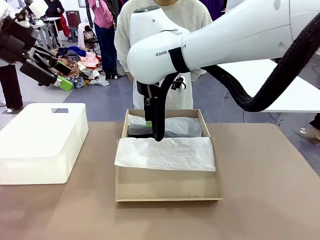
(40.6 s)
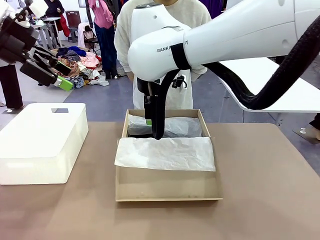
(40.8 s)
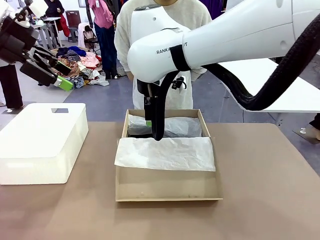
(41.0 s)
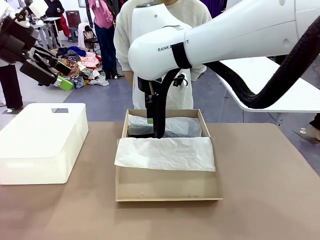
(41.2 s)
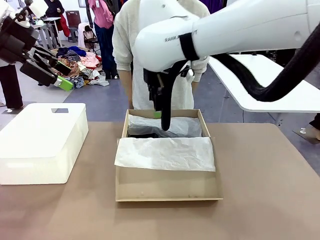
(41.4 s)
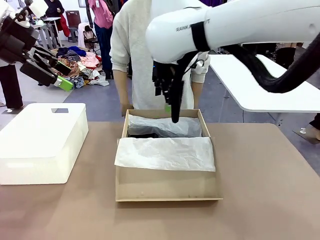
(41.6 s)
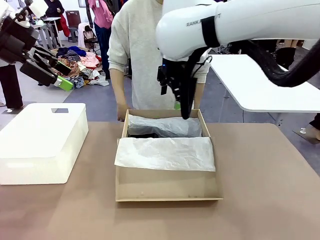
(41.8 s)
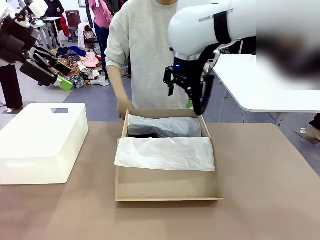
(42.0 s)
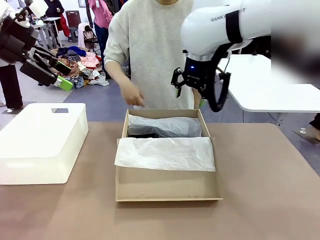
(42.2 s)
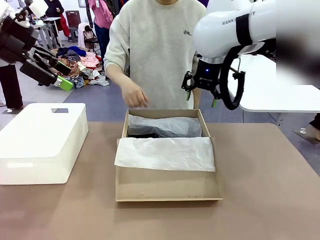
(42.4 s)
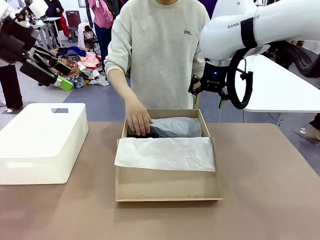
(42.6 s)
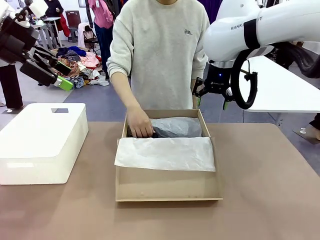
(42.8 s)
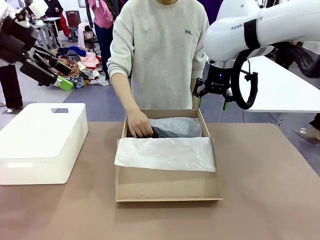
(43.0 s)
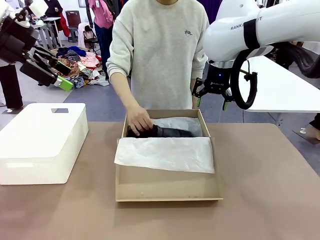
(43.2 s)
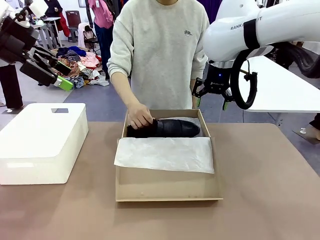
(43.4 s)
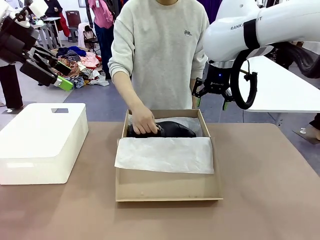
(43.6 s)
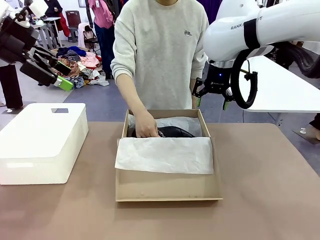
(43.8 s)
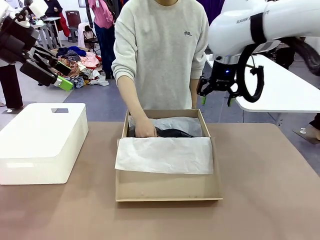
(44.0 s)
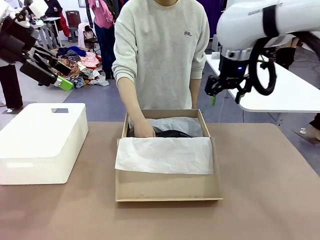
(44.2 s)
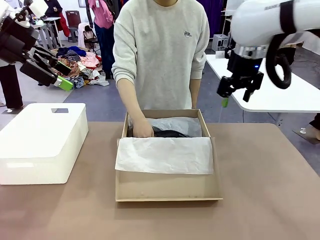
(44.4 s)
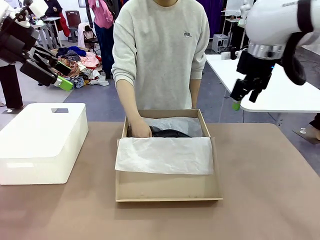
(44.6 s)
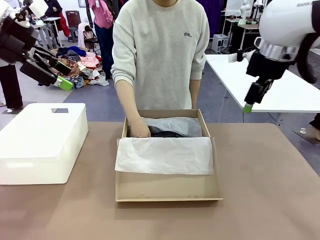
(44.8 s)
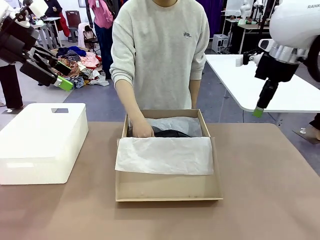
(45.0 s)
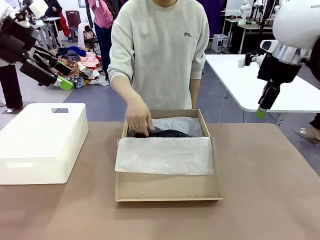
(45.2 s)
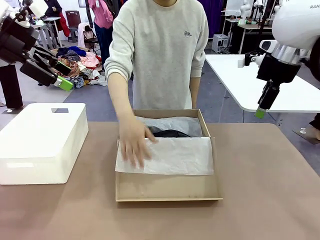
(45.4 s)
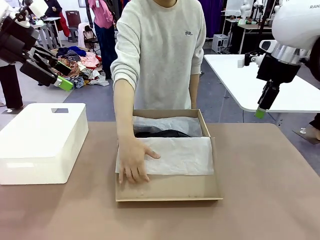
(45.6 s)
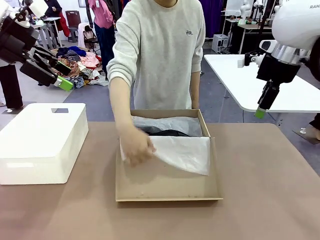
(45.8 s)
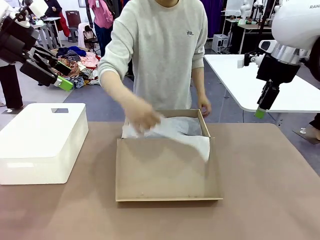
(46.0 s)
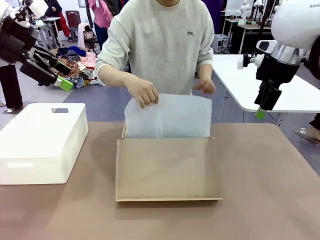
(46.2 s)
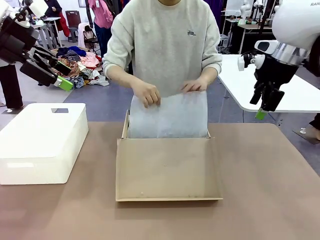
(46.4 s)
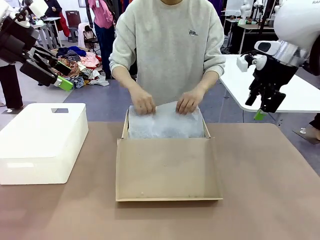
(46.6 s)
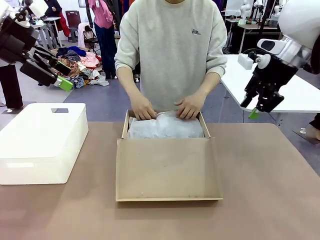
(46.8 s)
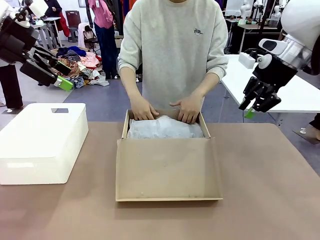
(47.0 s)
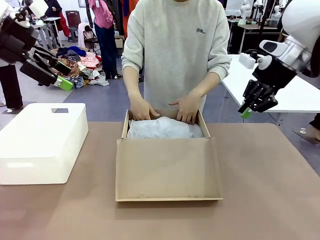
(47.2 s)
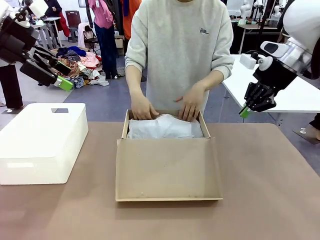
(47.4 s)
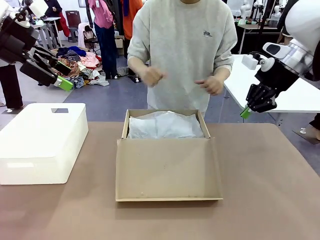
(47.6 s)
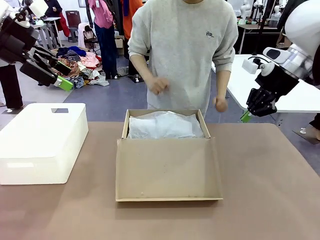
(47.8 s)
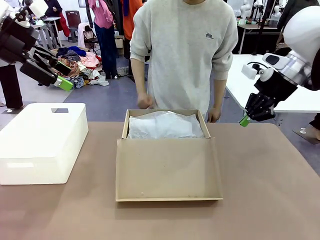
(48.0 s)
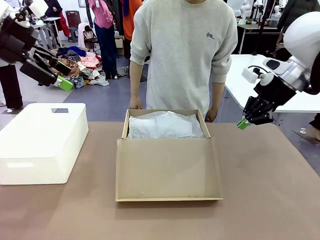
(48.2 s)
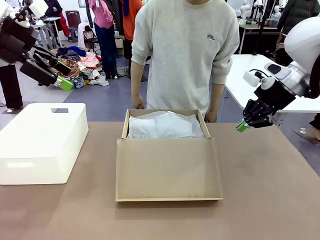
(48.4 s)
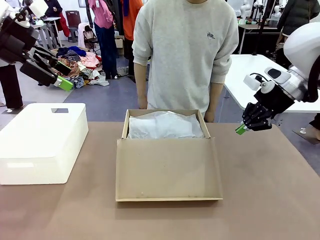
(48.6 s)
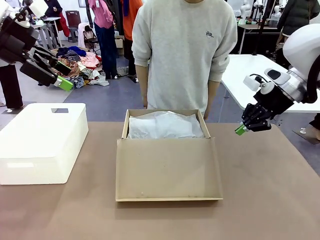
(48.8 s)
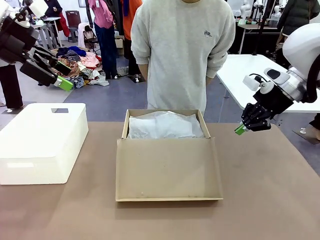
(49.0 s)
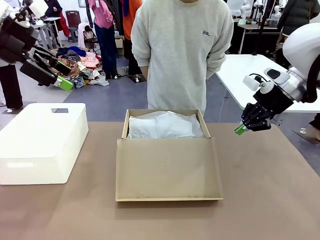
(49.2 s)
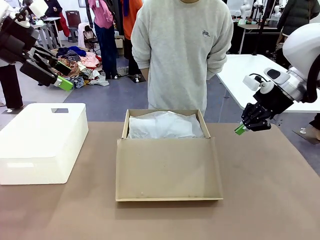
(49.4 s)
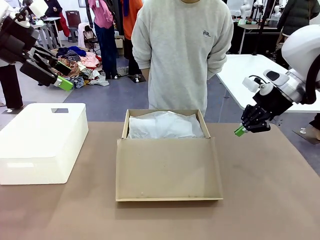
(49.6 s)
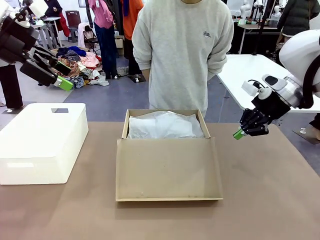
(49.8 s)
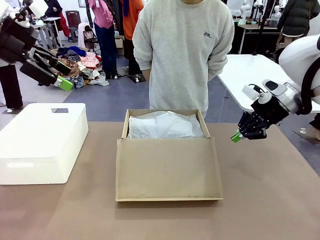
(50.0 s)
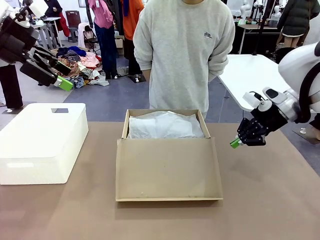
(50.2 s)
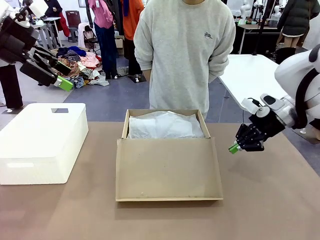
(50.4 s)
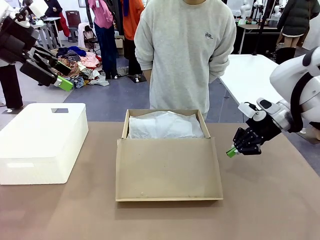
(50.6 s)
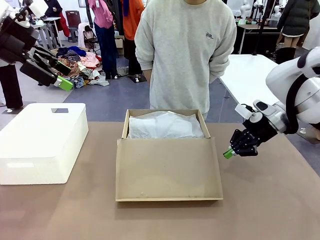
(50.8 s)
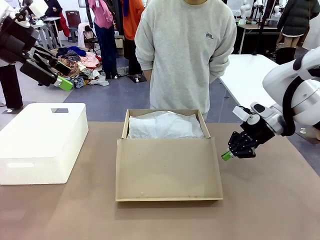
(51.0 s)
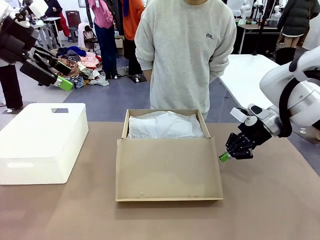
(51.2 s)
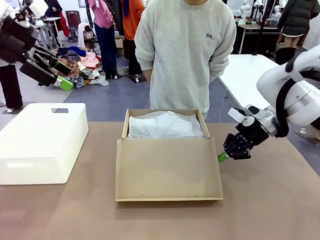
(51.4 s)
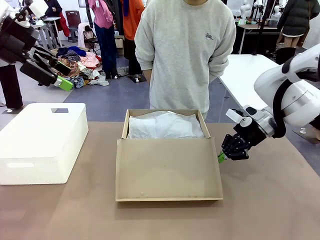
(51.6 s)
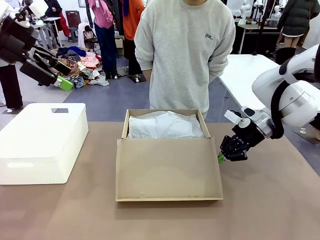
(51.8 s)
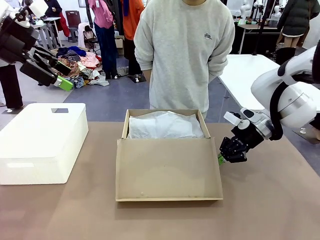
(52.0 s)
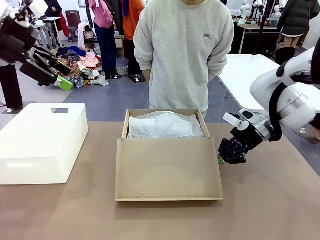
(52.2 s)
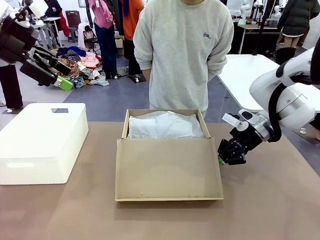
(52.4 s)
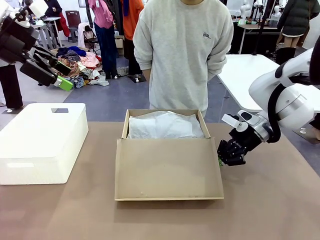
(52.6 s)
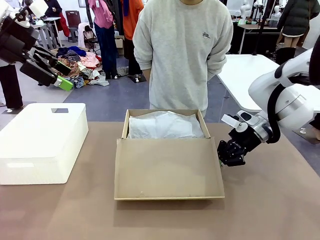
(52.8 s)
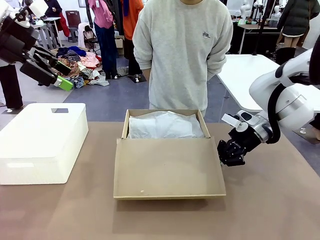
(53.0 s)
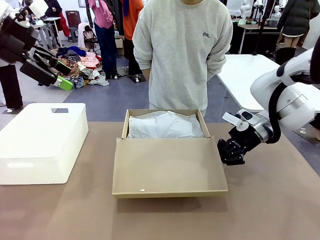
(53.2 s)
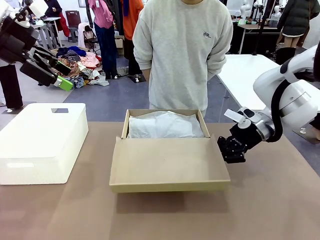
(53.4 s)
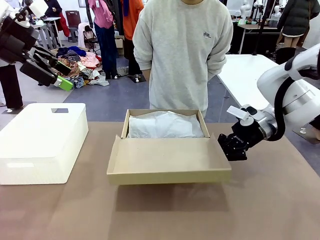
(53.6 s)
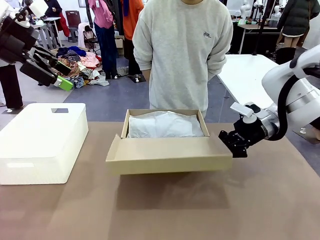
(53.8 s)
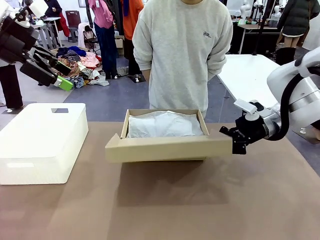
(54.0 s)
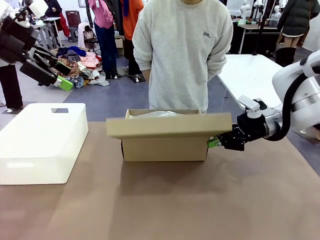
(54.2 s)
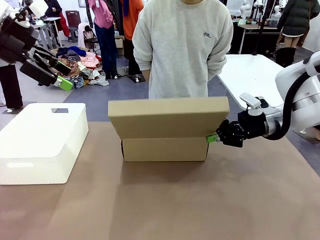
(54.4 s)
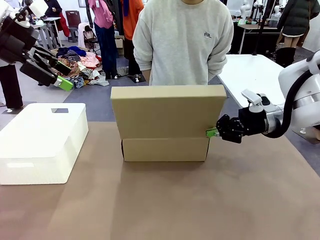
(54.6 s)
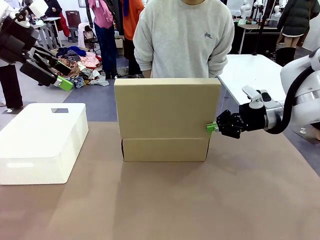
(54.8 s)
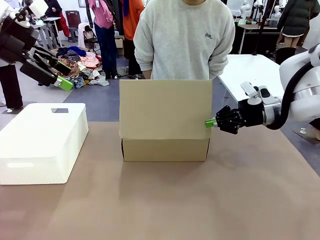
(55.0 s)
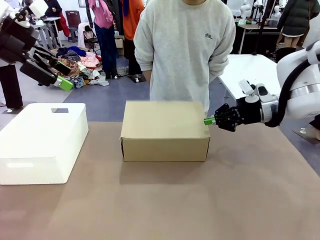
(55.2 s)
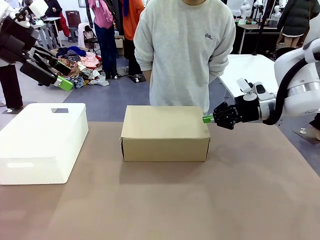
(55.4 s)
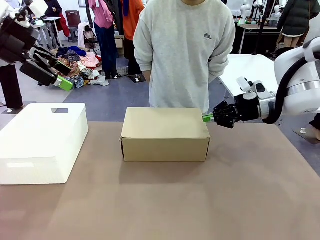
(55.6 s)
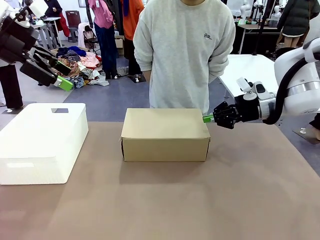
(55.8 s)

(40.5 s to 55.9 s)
Task: Pack the shoes into the box.
Robot: Close the Shoes Box.
